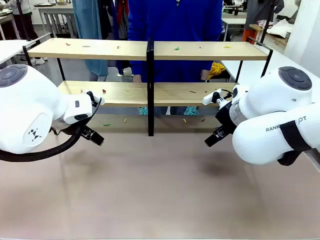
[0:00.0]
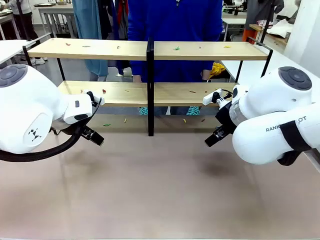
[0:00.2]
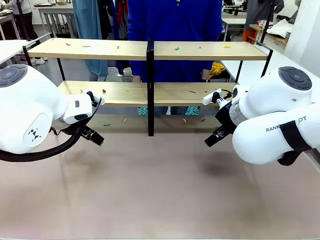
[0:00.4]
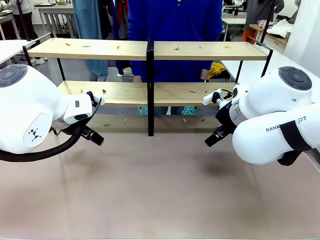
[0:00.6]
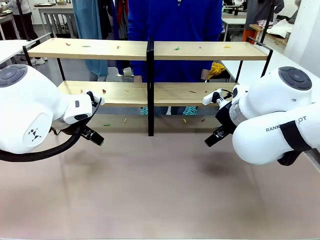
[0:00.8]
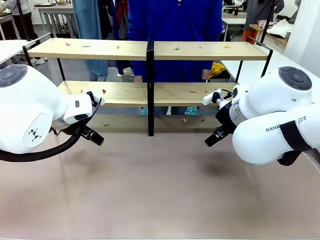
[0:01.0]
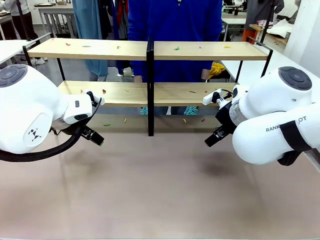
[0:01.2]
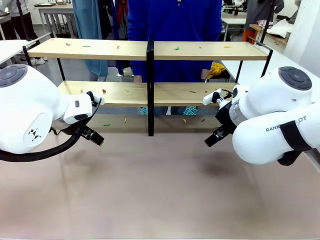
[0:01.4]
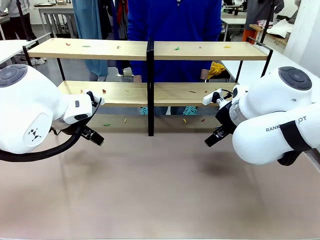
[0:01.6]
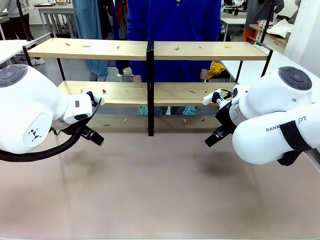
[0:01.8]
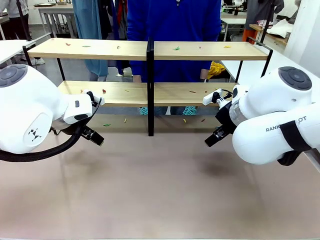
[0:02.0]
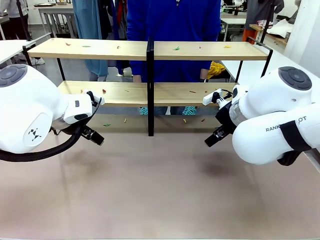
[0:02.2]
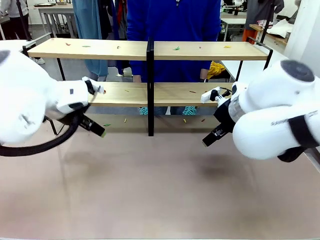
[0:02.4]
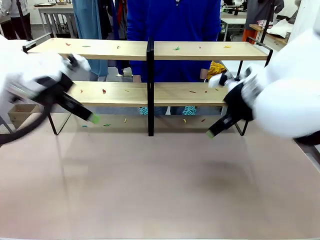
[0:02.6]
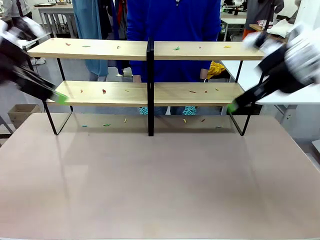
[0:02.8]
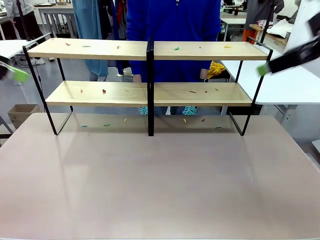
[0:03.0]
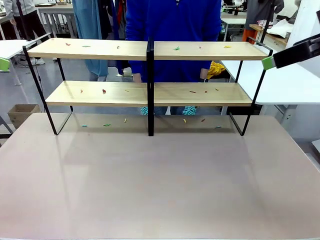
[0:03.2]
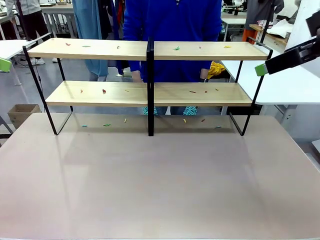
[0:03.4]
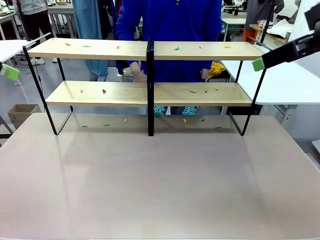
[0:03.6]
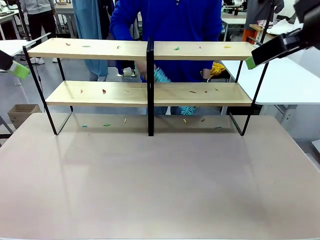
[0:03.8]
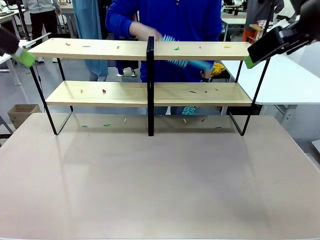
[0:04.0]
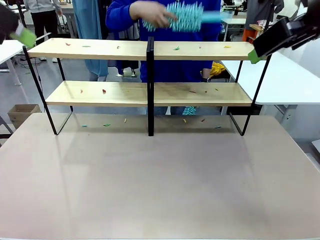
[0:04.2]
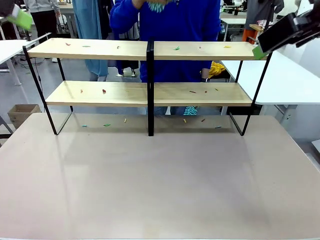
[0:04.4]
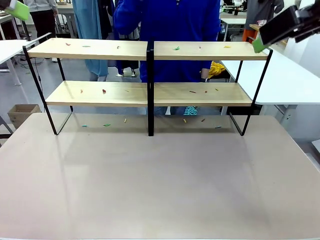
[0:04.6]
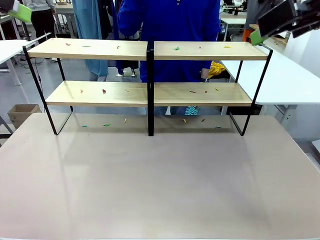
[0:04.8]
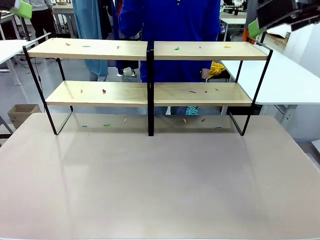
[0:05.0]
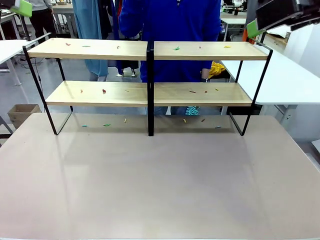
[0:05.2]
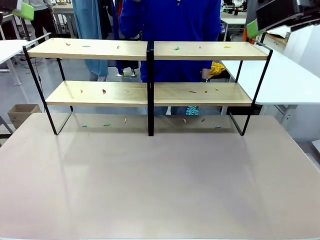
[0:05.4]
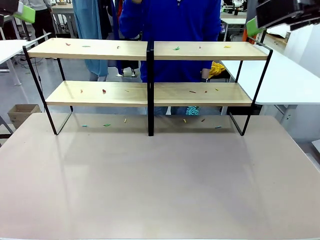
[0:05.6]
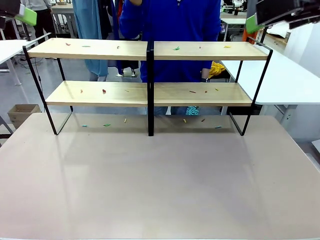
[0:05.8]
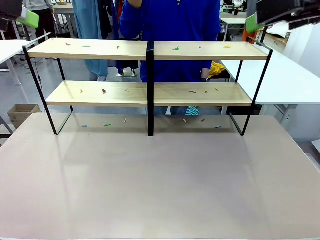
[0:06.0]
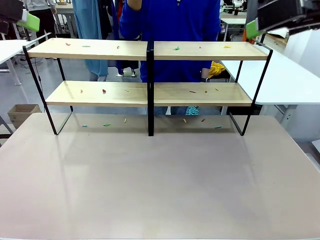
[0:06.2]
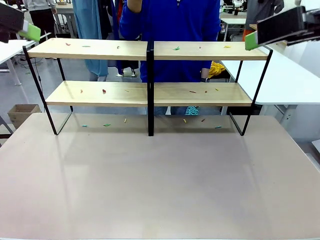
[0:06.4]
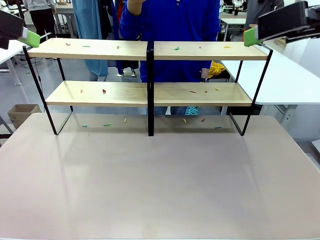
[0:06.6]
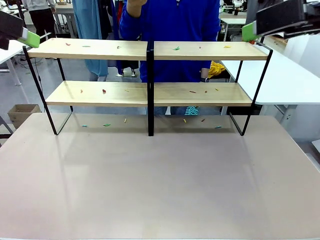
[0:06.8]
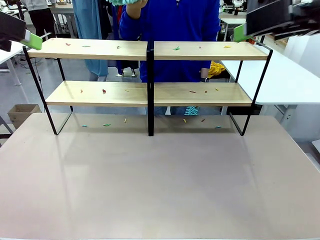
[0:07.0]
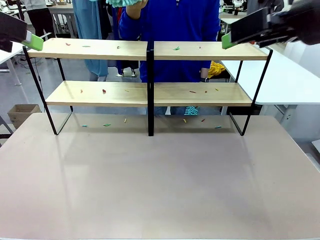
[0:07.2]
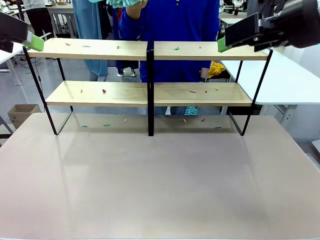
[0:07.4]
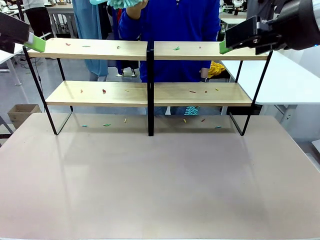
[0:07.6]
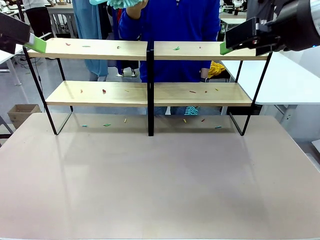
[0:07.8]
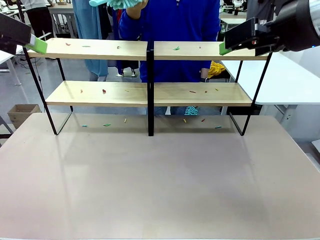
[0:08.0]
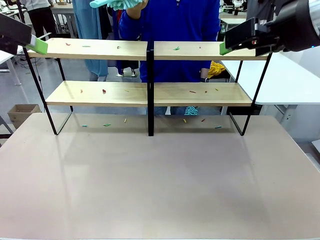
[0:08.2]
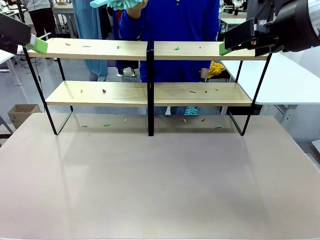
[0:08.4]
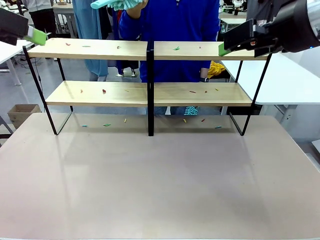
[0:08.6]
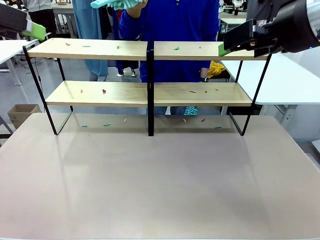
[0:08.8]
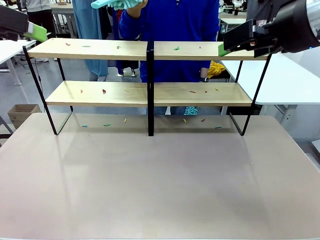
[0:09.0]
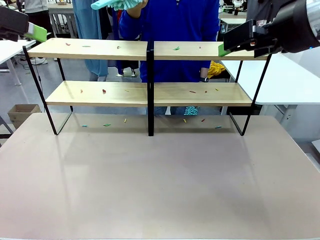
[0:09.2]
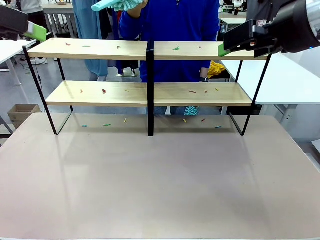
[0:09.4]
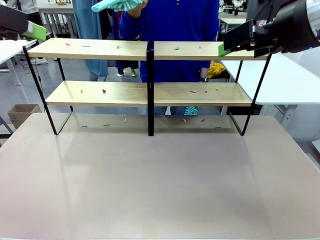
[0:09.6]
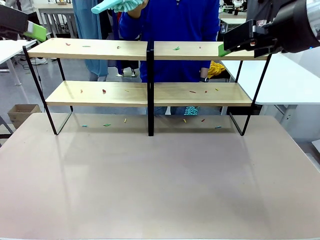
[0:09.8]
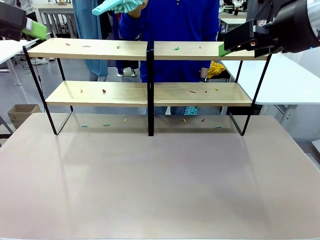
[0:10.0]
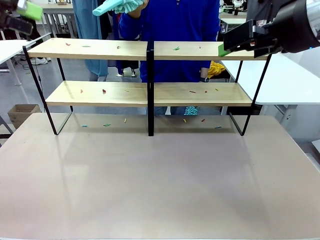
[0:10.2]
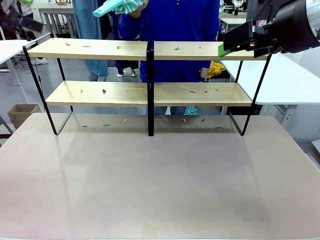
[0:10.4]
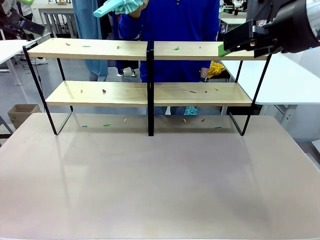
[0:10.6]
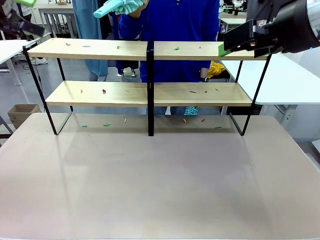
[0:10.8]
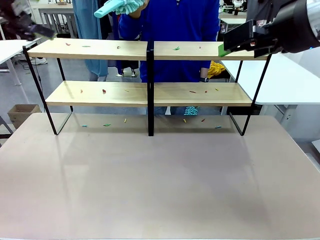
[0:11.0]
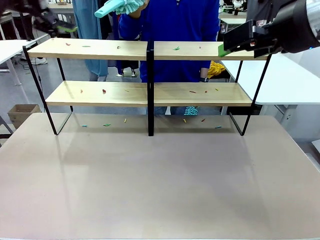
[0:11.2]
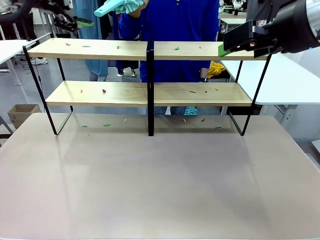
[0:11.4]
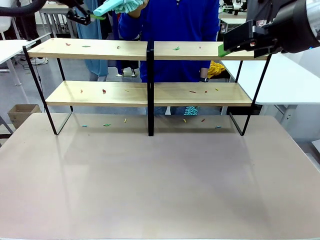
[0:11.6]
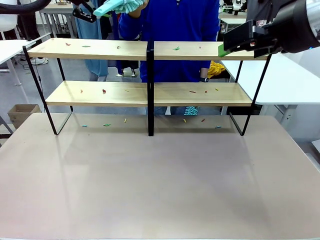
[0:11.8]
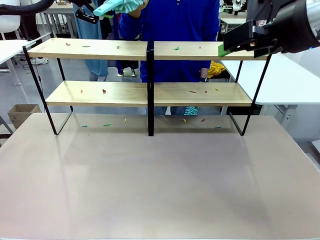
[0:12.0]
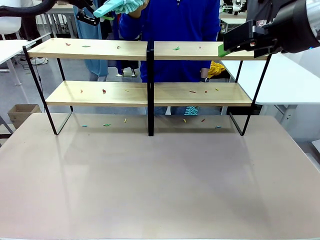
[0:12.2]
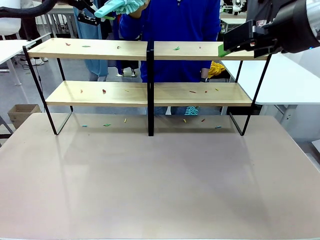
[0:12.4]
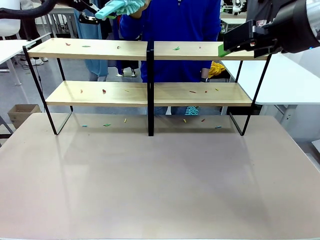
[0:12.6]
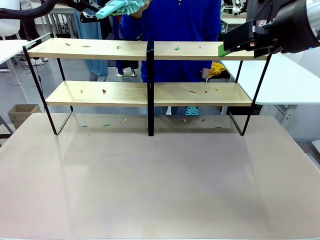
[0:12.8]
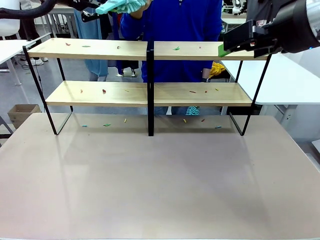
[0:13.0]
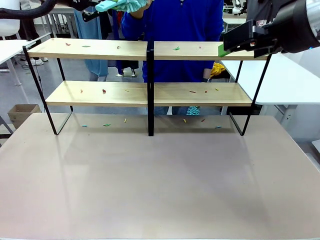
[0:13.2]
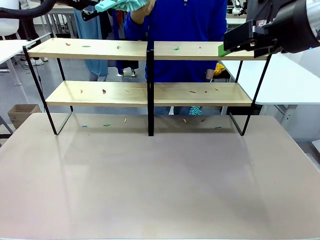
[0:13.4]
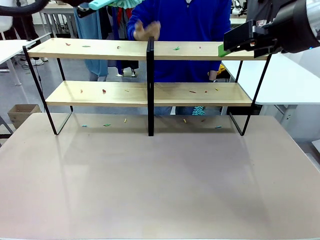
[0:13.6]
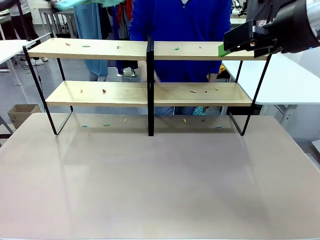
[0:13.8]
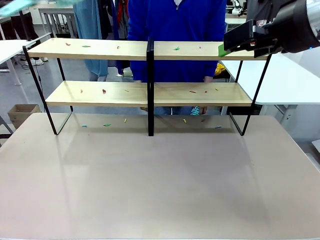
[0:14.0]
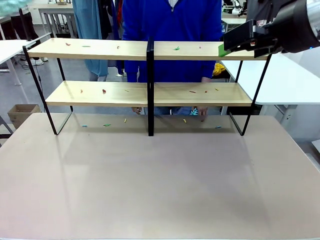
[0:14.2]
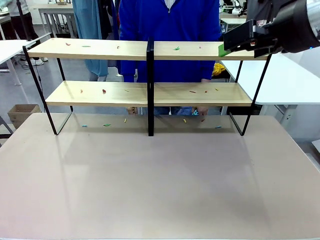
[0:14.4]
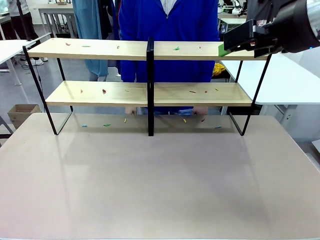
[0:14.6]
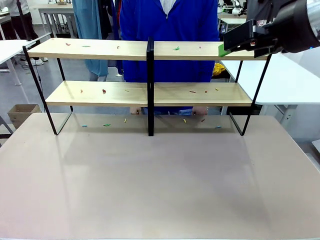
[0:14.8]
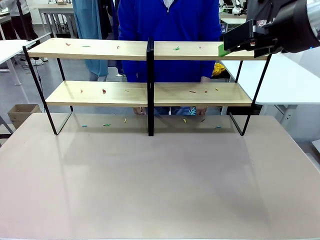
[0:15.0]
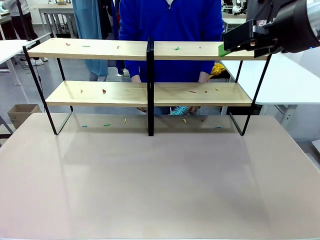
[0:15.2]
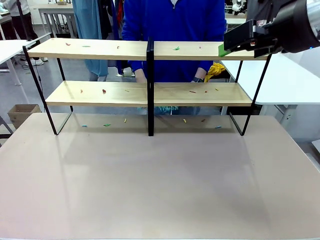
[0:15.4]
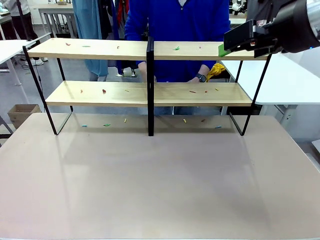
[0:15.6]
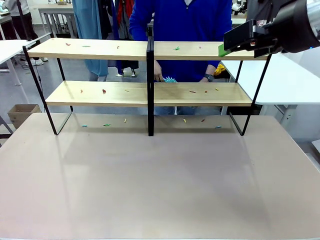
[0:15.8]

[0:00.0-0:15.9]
Task: Clean the shelves.
Robot: Pick up the Duster when the human hands it over.
Person: Hand the Duster to the robot with your right (or left) hand.

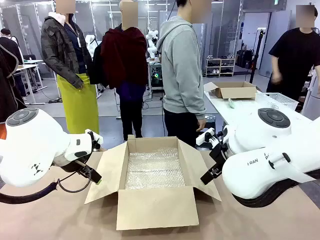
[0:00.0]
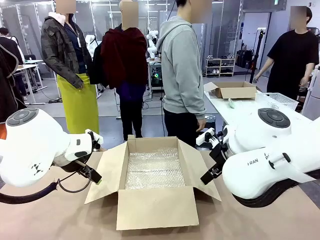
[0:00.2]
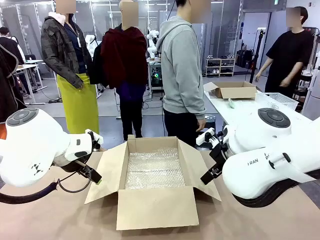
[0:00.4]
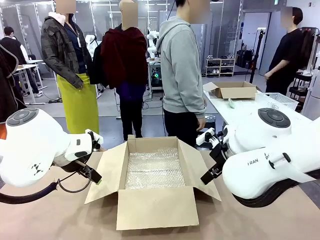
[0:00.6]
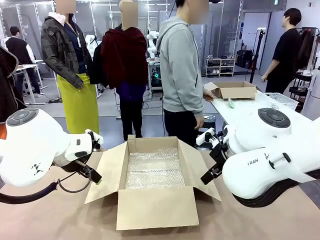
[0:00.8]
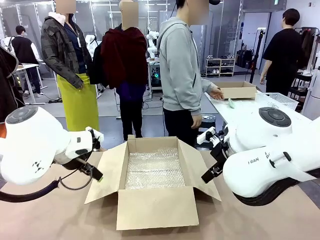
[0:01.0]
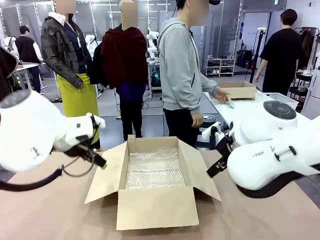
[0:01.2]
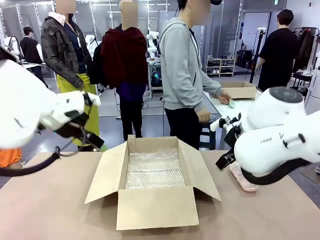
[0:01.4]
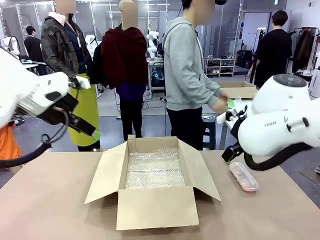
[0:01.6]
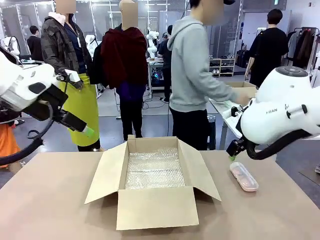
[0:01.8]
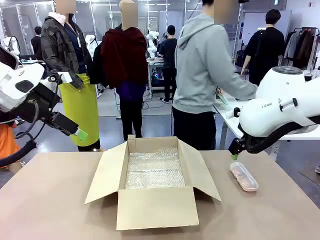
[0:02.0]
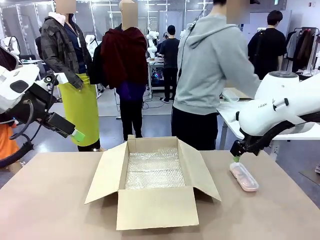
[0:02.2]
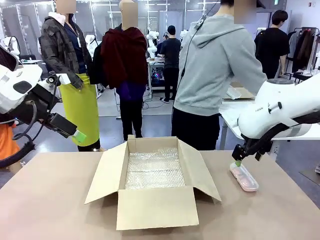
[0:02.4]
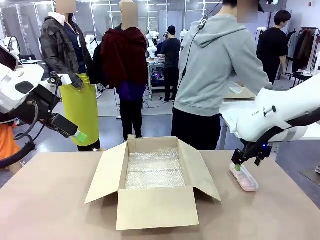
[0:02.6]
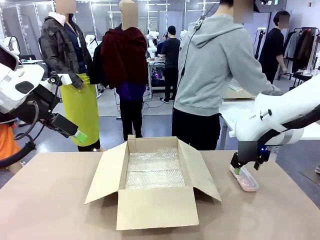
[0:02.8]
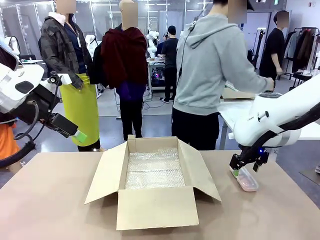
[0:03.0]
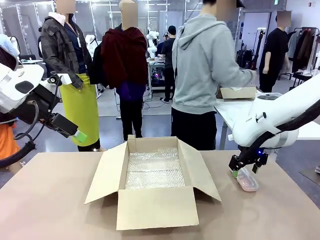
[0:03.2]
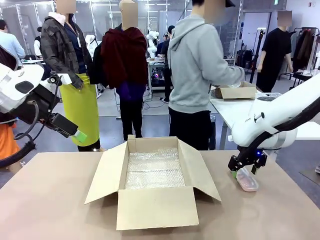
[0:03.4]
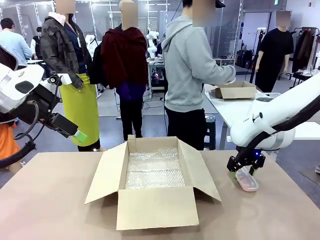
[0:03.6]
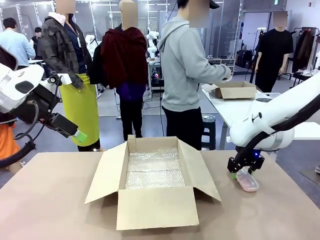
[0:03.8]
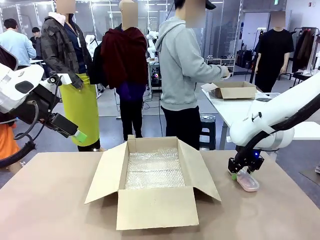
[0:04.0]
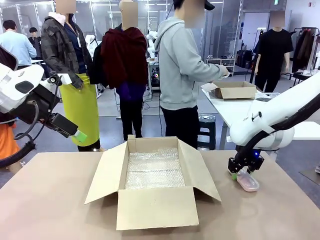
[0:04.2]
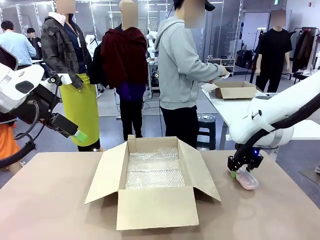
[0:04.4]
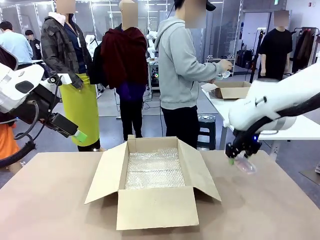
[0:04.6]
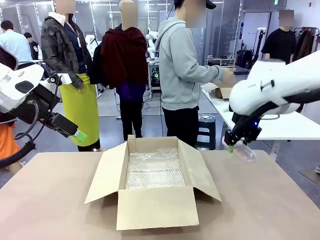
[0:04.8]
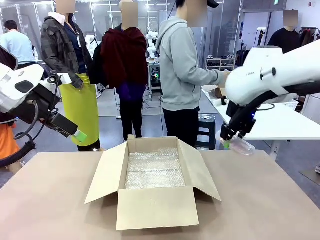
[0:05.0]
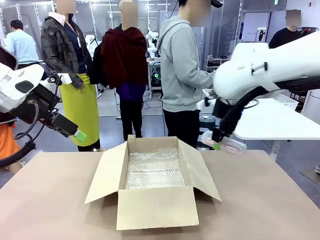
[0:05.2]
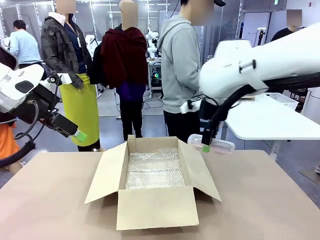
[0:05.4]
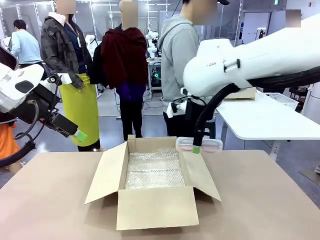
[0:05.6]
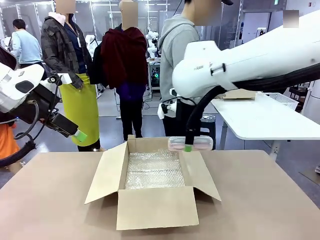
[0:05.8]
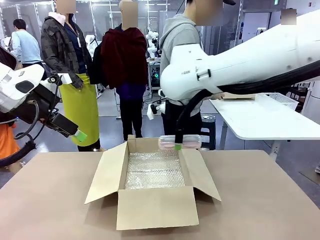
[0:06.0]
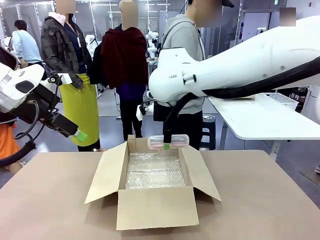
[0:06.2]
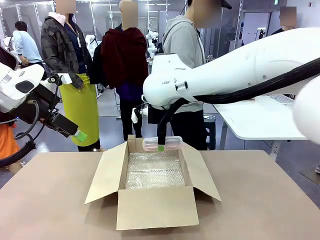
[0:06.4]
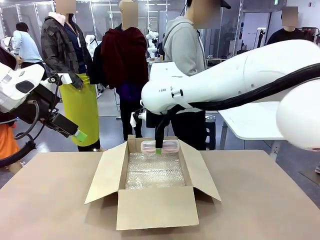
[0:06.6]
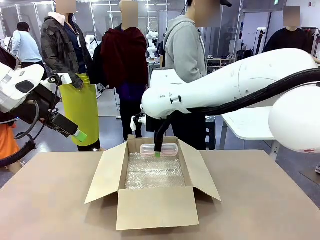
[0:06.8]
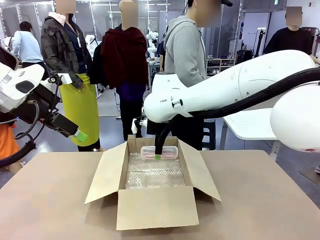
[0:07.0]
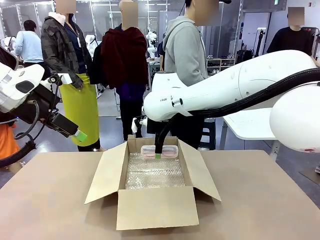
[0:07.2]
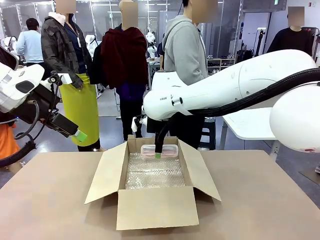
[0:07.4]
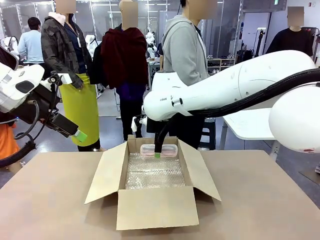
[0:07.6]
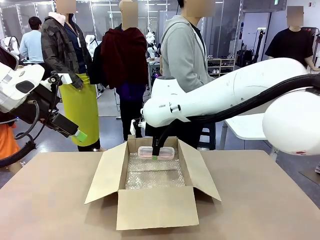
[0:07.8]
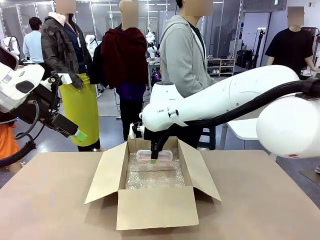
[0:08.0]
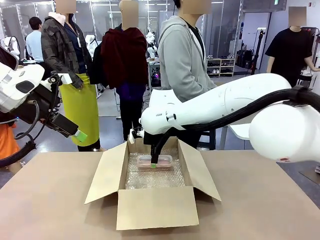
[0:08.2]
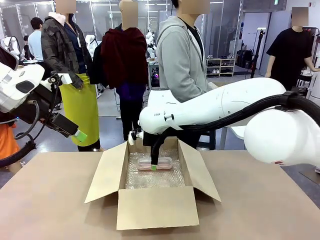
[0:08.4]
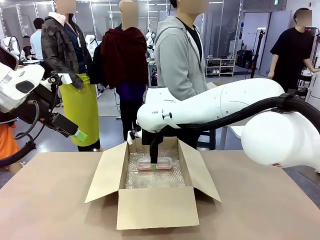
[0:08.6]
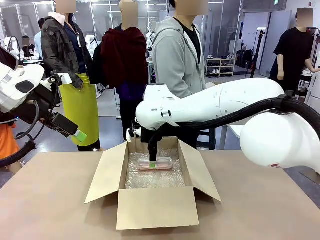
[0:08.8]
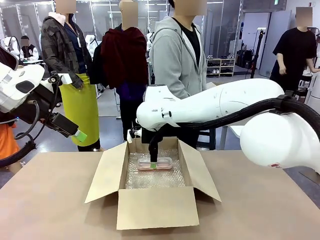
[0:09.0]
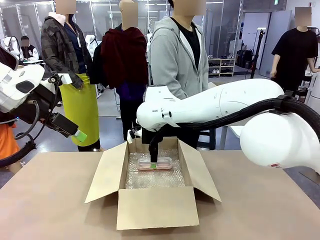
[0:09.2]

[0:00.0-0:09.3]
Task: Pack the glasses set securely to prepare it for shipping.
Robot: Place the Glasses case inside the Package Box.
Person: Place the Glasses inside the Glasses case.
